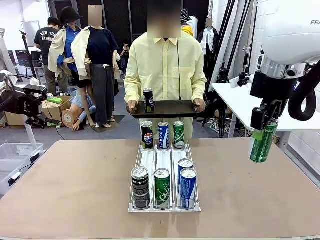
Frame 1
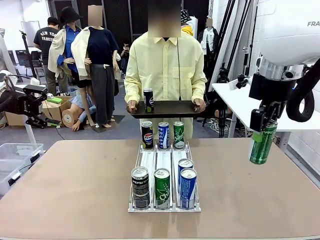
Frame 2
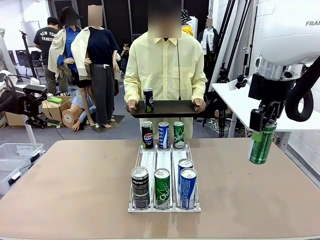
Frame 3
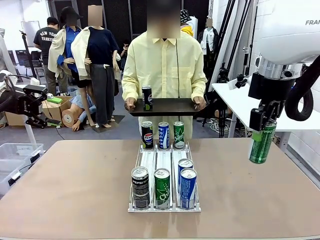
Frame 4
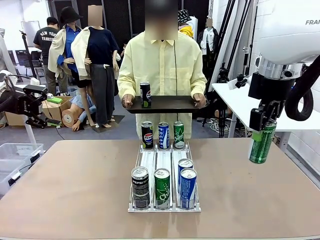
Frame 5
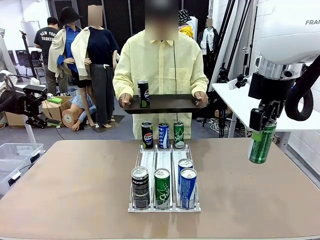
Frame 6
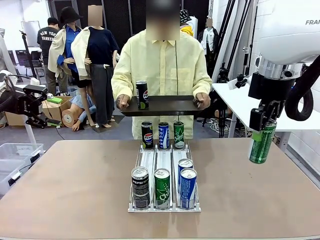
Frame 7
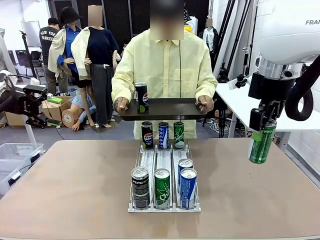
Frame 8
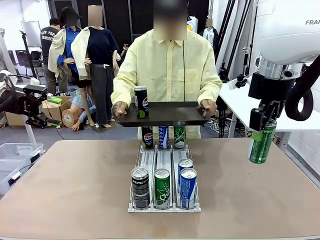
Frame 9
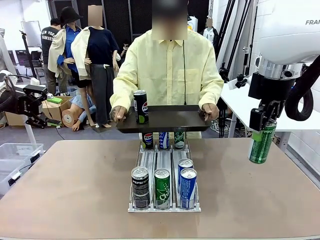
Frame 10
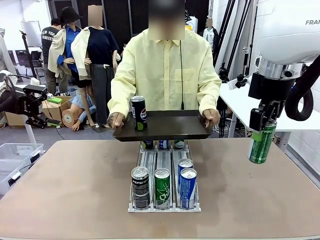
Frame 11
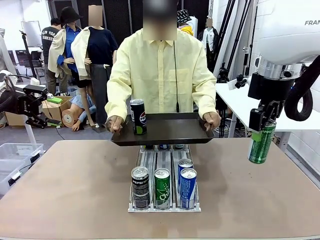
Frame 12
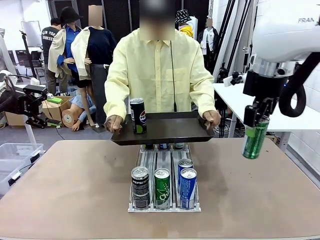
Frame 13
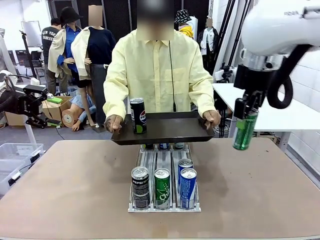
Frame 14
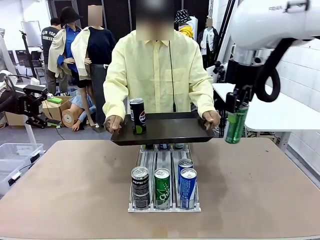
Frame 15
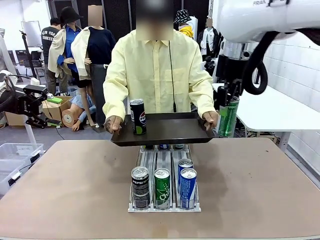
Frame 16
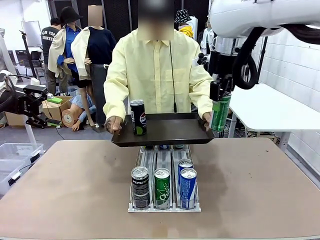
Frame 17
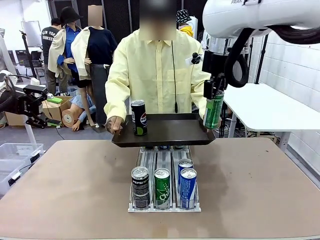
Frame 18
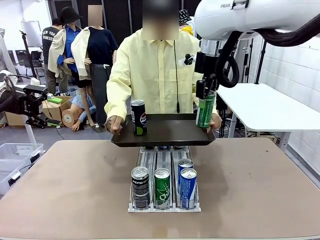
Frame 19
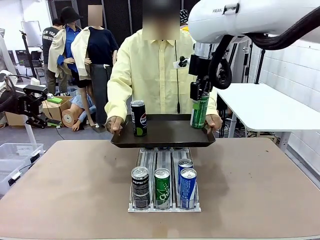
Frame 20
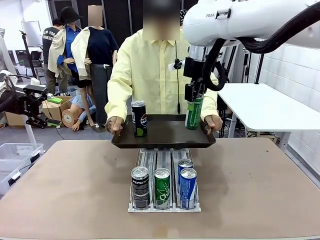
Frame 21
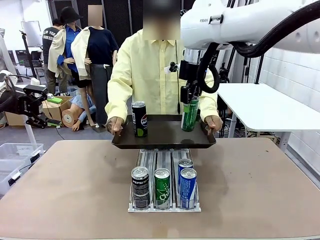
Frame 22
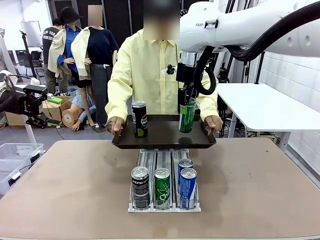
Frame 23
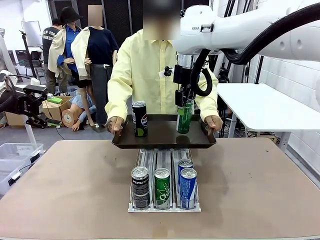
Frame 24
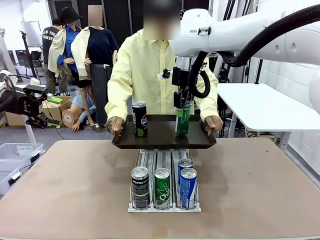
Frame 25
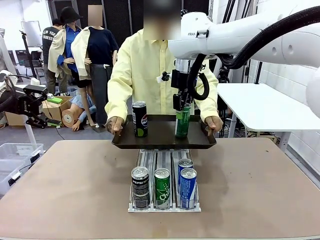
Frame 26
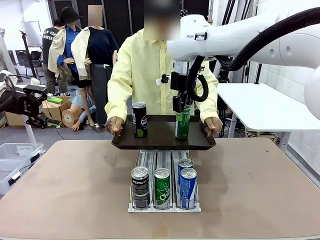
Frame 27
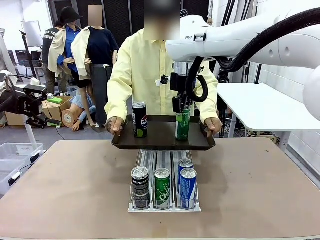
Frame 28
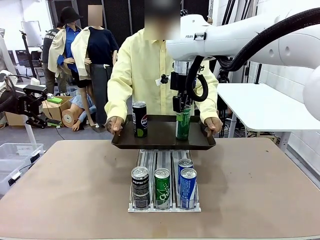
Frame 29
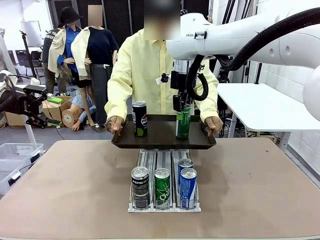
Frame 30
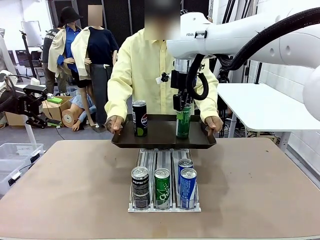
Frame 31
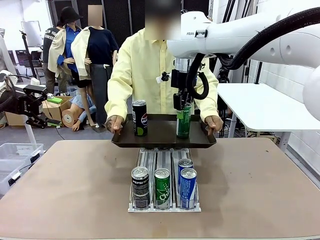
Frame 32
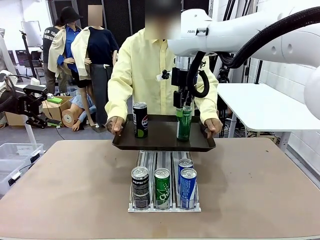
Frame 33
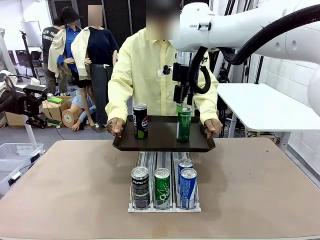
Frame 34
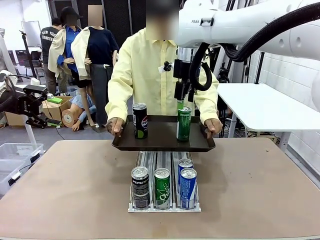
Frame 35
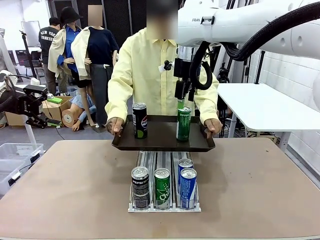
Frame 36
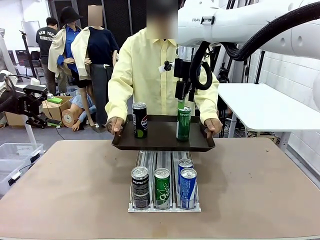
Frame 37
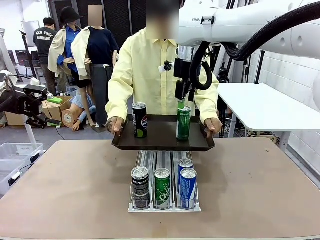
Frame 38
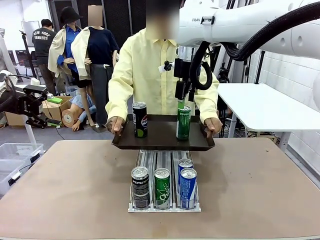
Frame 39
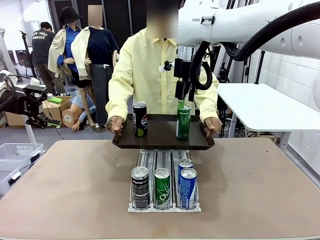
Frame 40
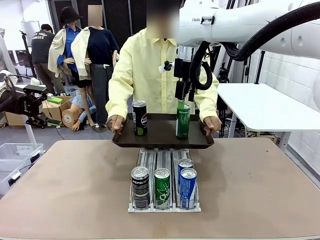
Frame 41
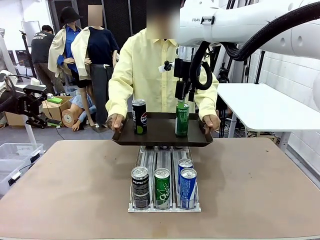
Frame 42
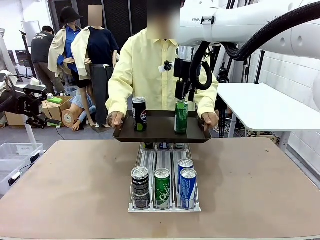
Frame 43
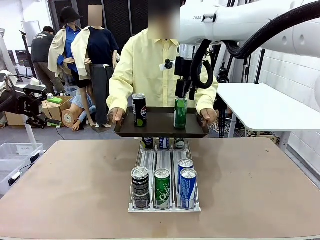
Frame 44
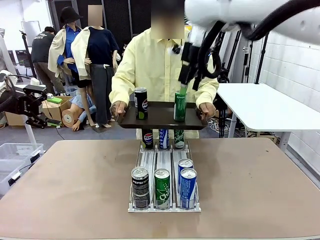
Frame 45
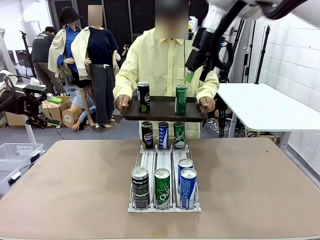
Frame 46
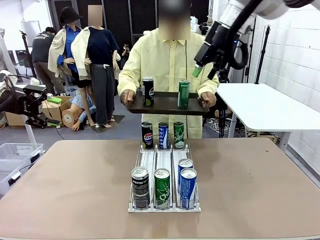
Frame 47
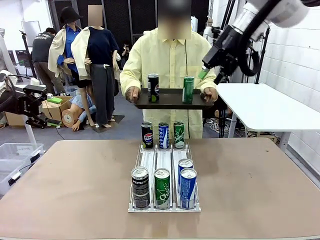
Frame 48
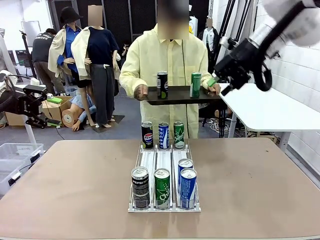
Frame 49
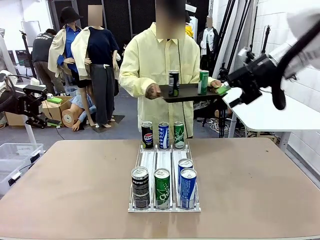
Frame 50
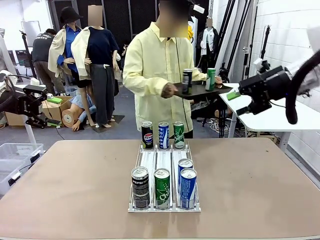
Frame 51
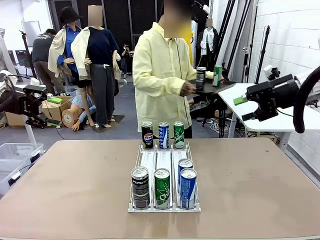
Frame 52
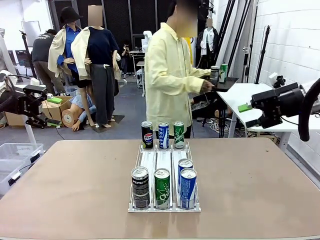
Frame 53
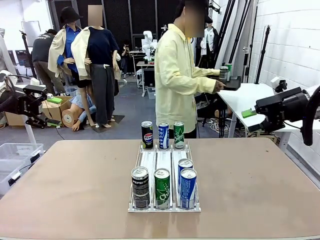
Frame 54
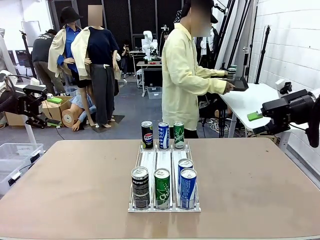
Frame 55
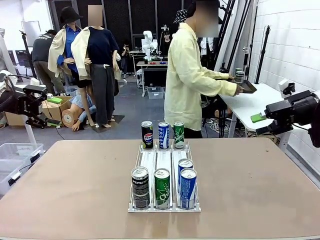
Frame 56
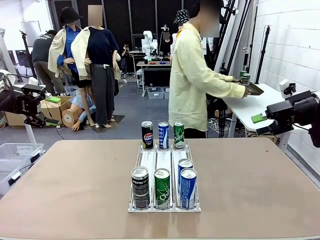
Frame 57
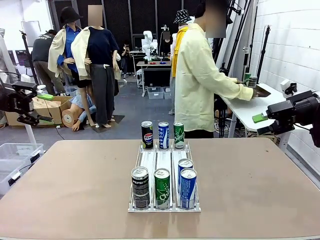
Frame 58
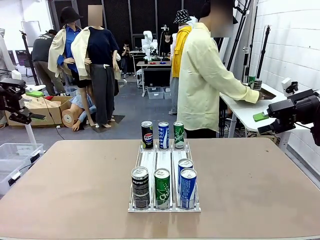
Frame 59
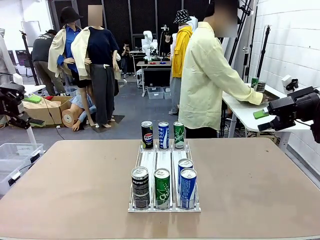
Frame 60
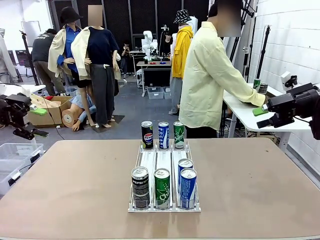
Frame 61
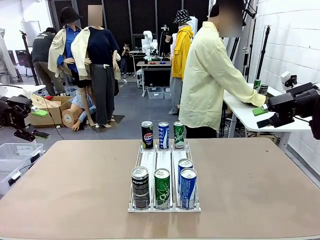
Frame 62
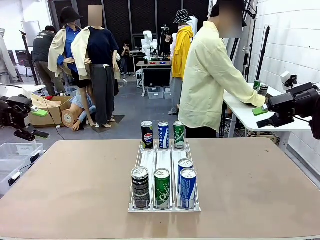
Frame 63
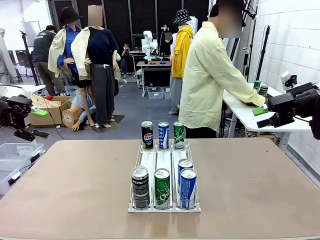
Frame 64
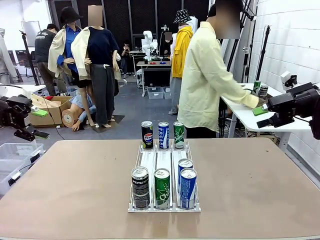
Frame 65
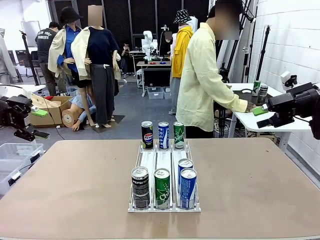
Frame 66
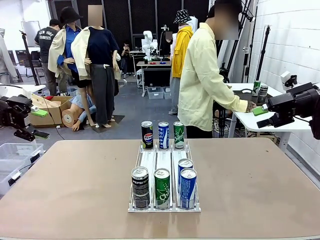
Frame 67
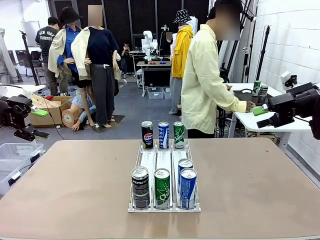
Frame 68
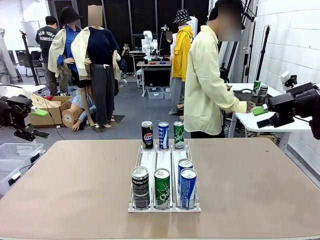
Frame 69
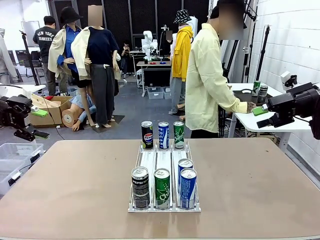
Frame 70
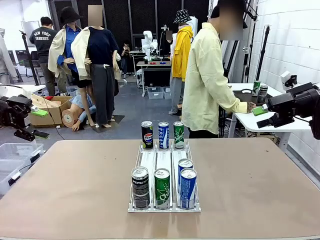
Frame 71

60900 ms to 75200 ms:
Task: Retrieve and hand over the desired beverage to the person.
Robot: Place the picked can on the Handle tray extended by the person.
Person: Pull the tray back and place it at the center of the human table.
